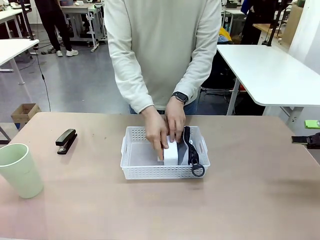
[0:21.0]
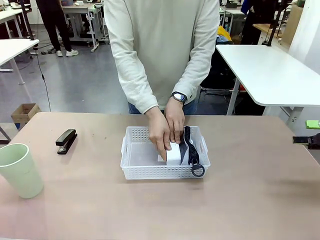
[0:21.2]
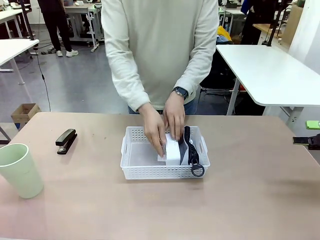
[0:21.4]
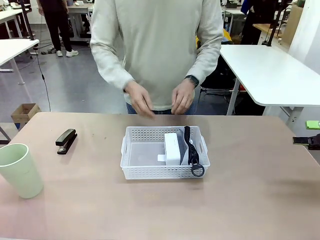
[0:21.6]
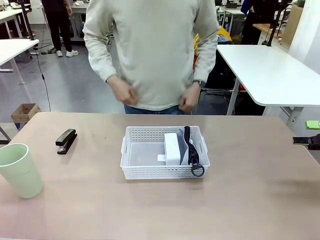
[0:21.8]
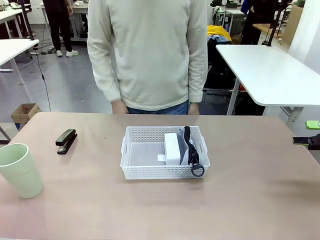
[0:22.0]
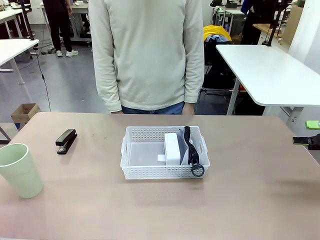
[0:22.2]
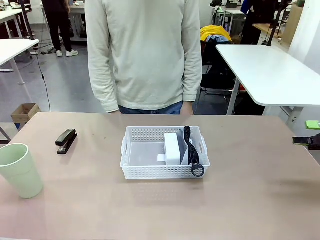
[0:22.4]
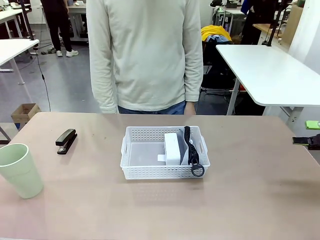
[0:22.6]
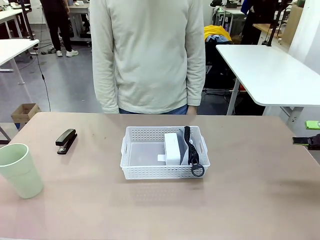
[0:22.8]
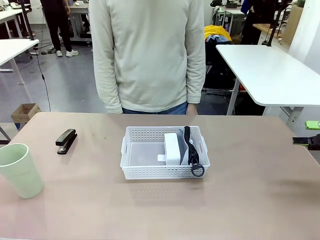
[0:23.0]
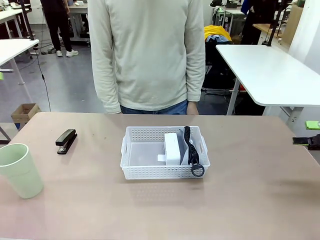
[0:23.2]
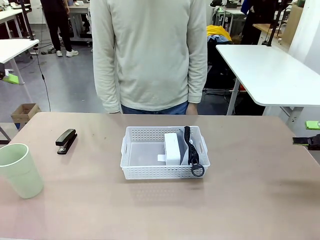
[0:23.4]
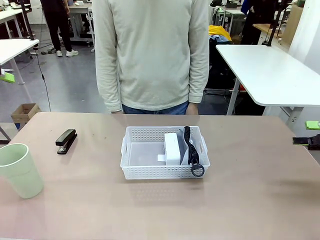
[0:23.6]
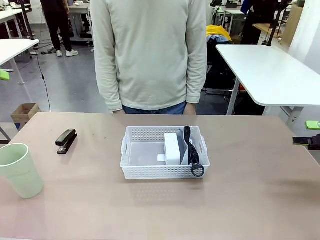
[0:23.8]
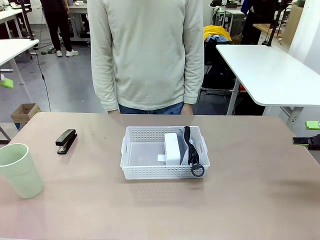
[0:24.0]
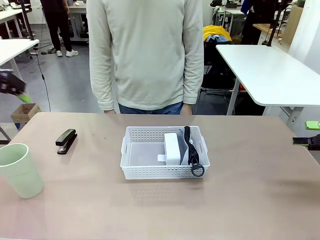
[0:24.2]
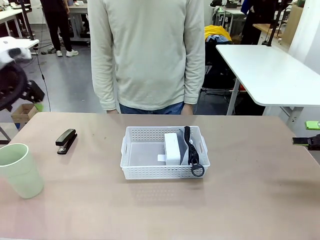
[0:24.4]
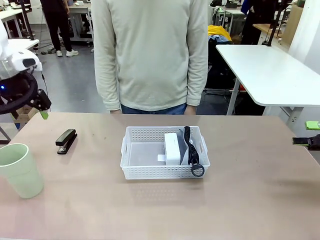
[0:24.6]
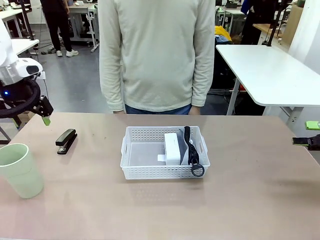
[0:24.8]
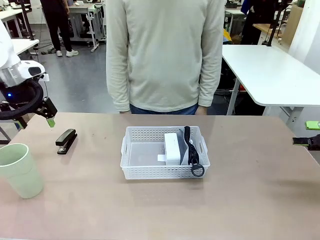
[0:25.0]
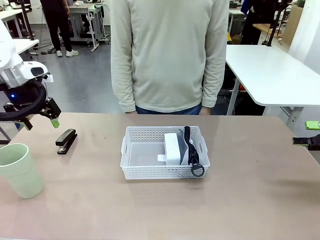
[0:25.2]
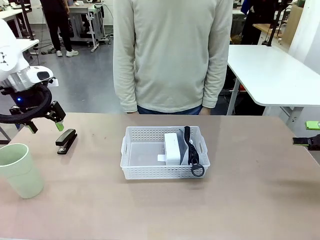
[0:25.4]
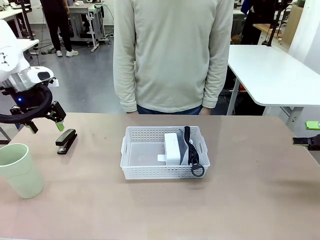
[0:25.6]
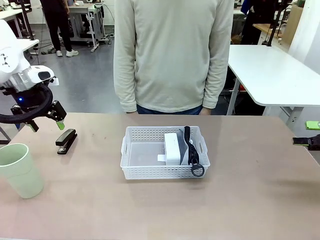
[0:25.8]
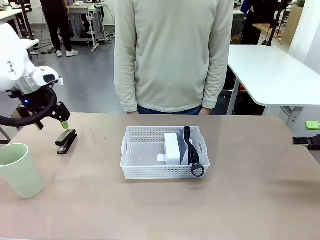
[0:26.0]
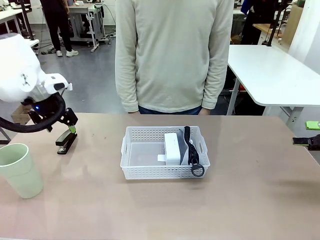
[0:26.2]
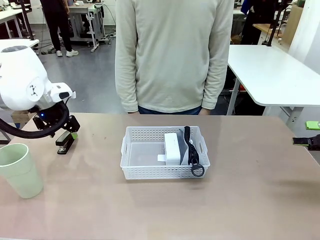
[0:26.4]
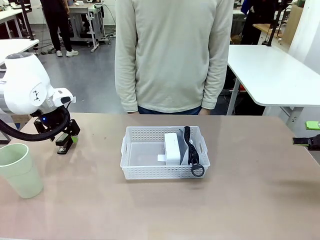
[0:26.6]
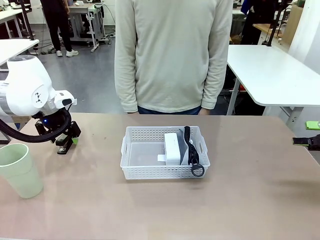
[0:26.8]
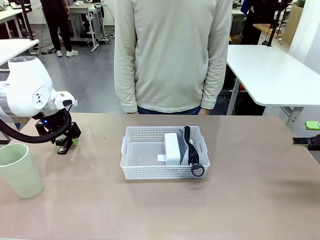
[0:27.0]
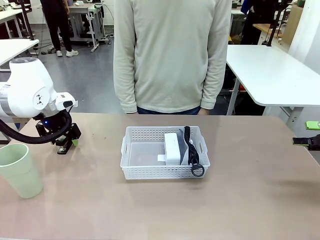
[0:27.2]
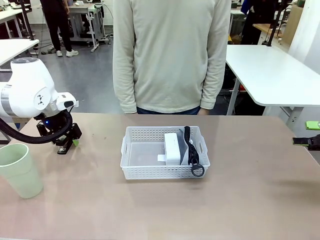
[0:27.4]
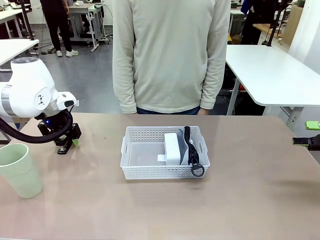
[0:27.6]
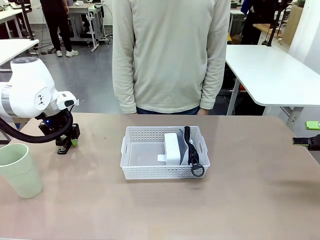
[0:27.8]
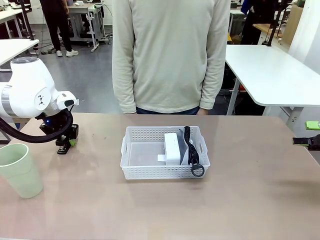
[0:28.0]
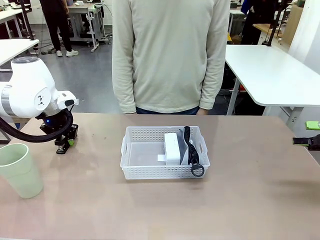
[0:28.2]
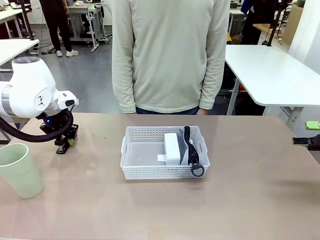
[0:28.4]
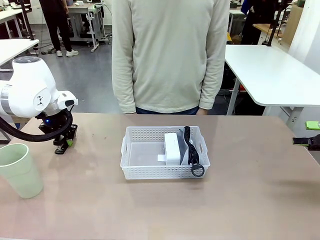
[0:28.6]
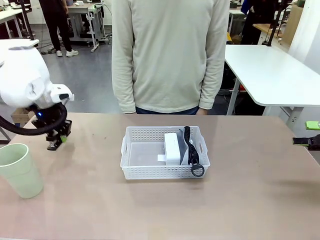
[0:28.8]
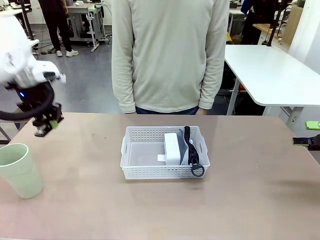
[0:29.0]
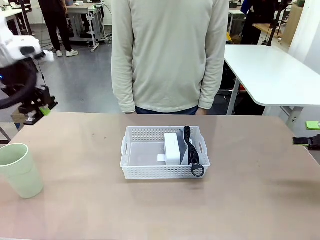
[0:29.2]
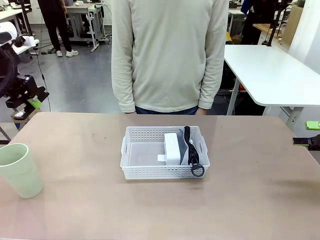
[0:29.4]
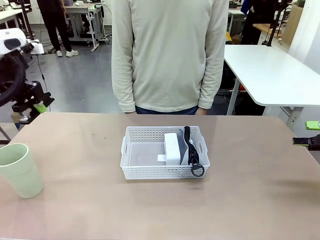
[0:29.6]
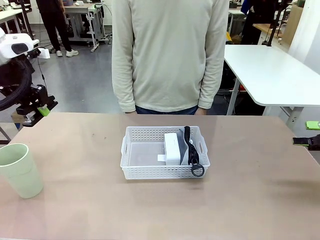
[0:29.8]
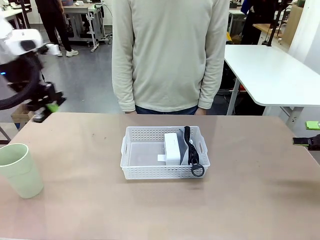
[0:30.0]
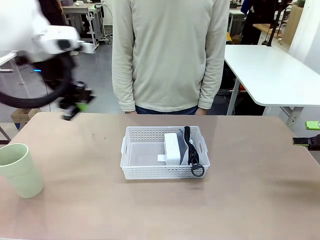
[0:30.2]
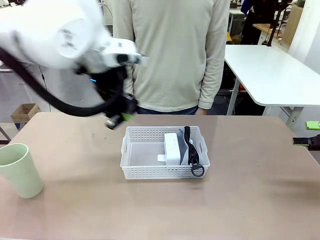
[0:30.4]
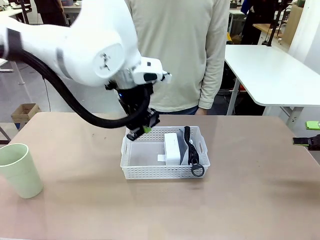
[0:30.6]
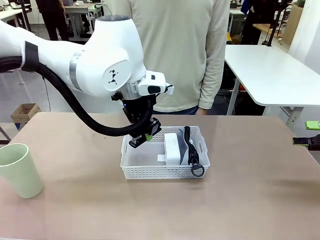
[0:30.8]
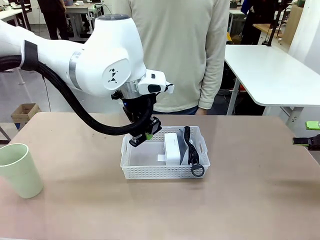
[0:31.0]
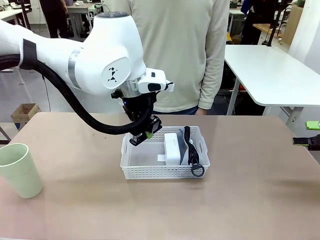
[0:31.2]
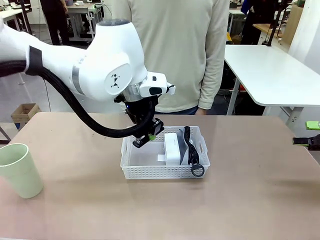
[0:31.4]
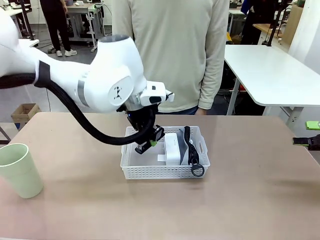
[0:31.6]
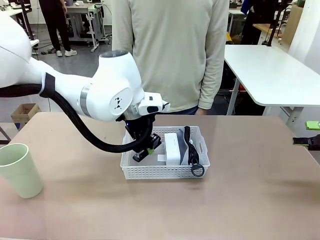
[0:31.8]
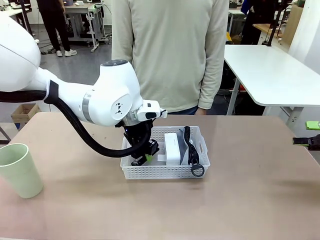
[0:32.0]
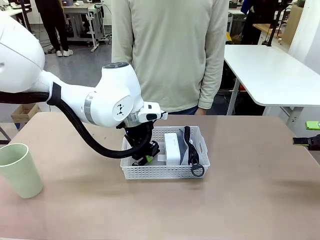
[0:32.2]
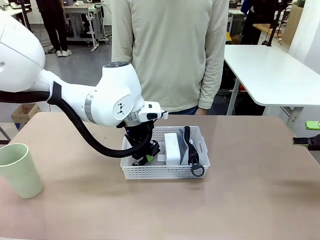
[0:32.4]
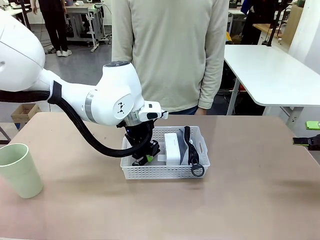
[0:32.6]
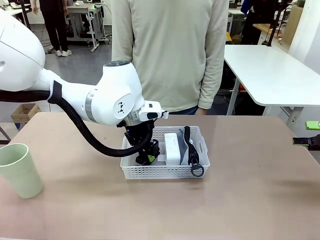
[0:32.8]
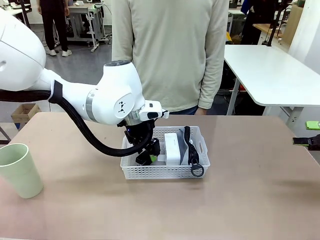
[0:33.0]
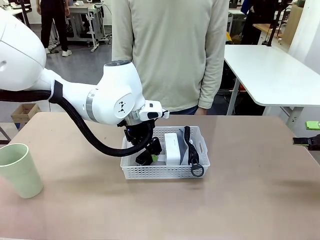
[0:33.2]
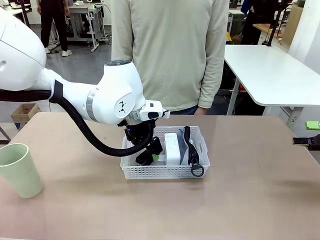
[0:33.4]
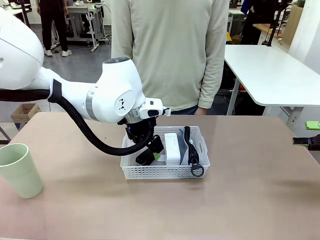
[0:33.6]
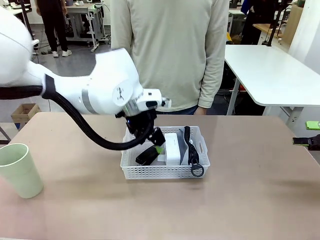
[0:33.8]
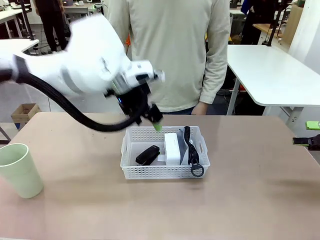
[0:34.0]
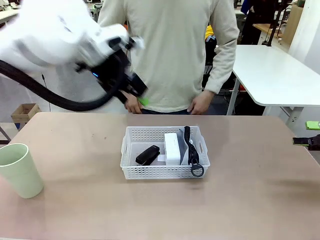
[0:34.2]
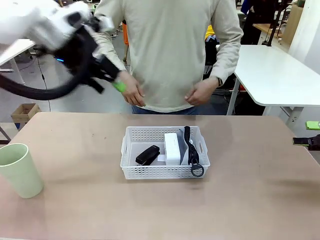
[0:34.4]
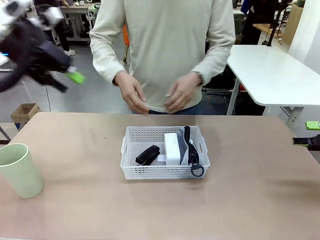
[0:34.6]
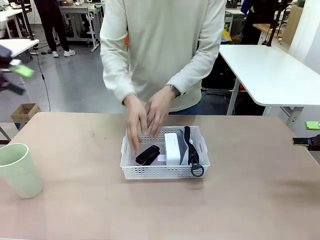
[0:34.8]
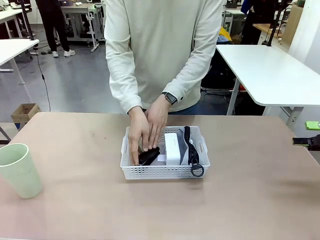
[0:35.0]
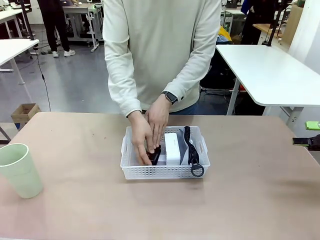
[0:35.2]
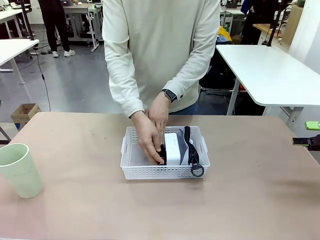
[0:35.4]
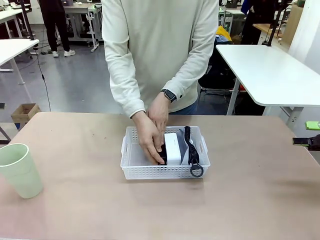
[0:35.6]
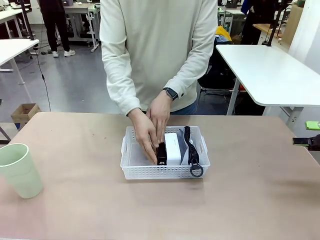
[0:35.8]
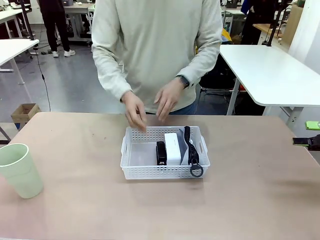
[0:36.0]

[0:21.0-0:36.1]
Task: Efficiently arrange items inside the basket to fit them all.
Robot: Pick up the Stapler and place it inside the Organizing basket.

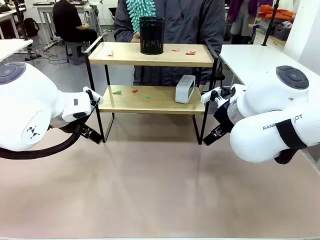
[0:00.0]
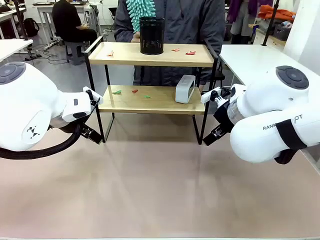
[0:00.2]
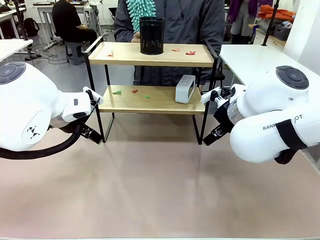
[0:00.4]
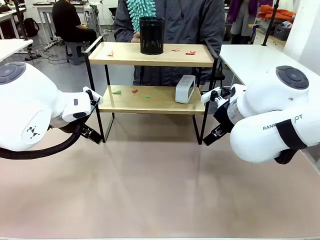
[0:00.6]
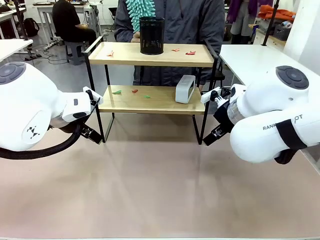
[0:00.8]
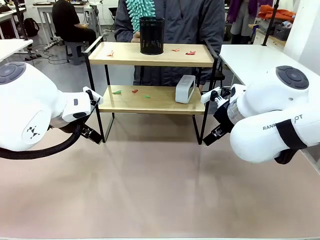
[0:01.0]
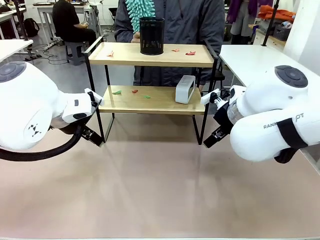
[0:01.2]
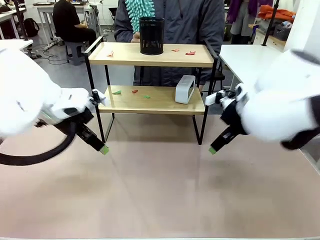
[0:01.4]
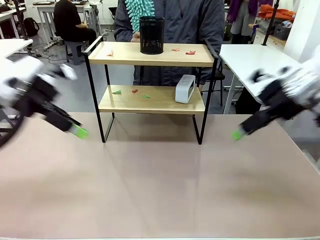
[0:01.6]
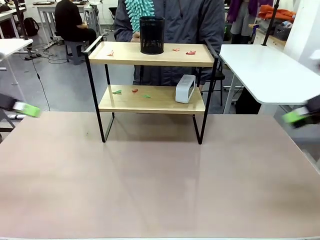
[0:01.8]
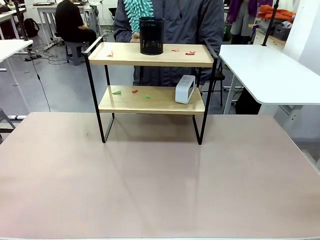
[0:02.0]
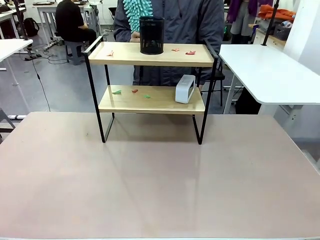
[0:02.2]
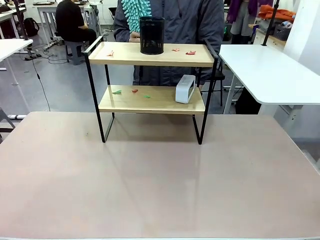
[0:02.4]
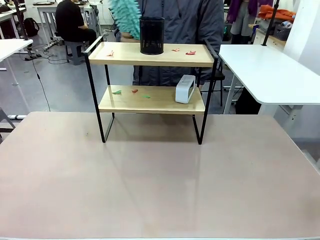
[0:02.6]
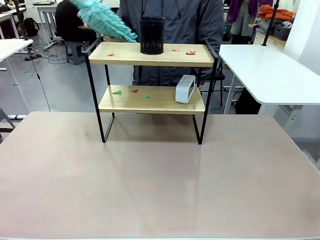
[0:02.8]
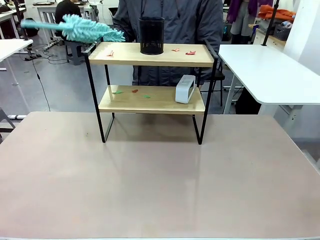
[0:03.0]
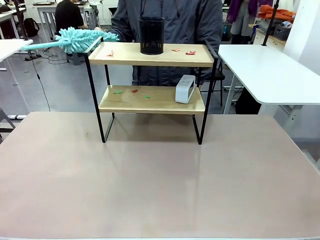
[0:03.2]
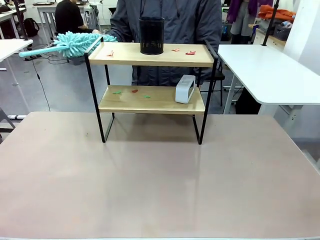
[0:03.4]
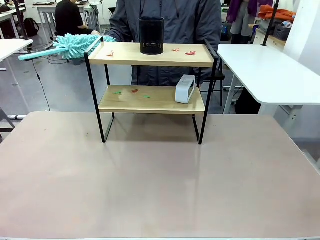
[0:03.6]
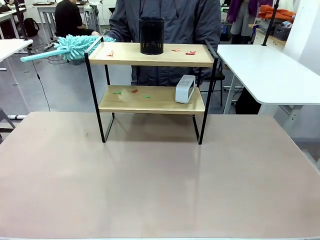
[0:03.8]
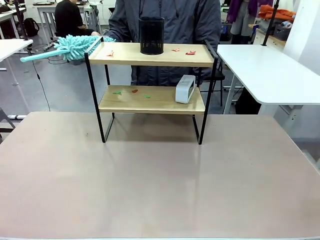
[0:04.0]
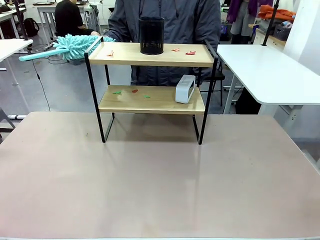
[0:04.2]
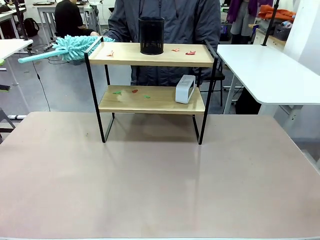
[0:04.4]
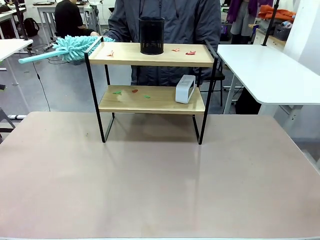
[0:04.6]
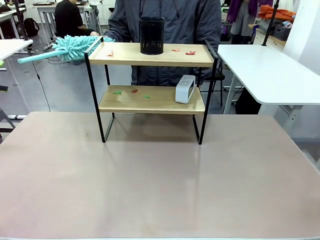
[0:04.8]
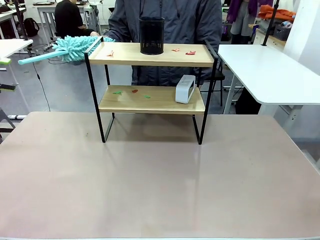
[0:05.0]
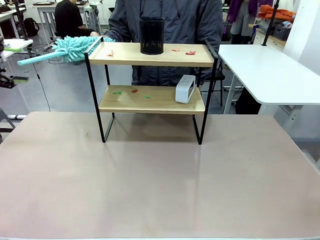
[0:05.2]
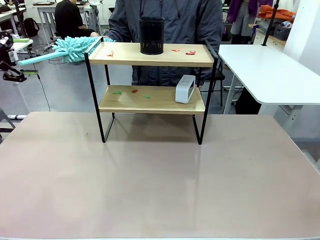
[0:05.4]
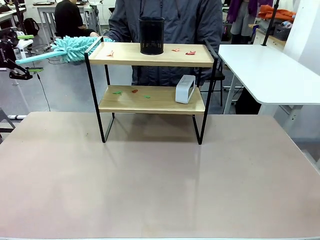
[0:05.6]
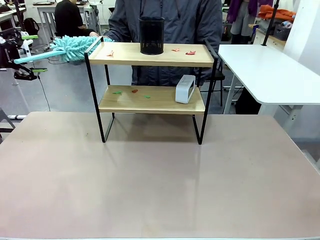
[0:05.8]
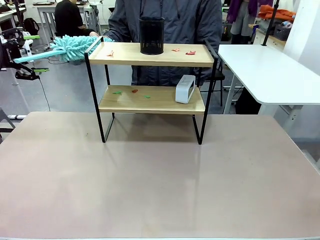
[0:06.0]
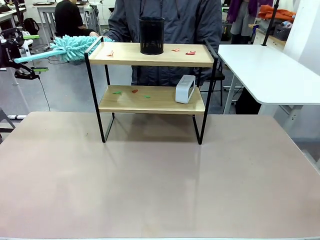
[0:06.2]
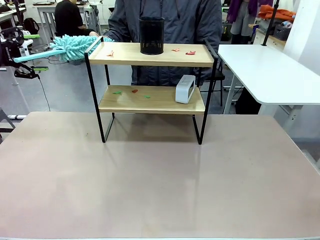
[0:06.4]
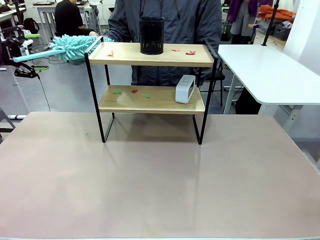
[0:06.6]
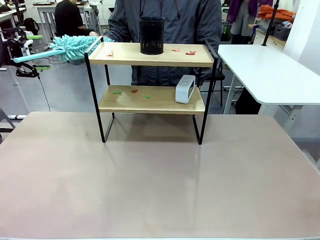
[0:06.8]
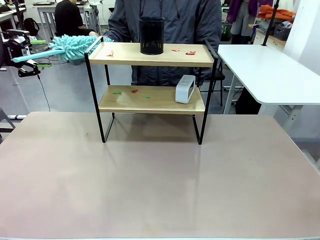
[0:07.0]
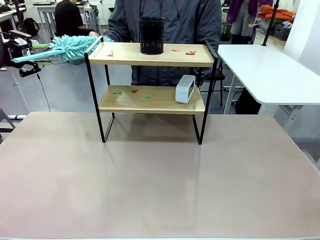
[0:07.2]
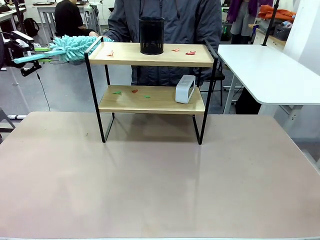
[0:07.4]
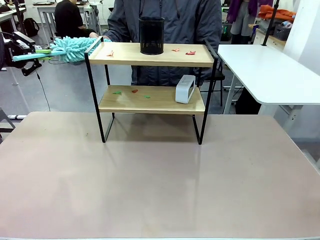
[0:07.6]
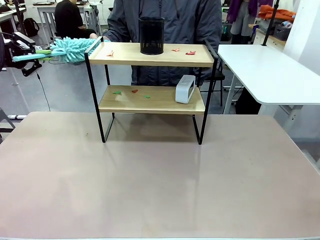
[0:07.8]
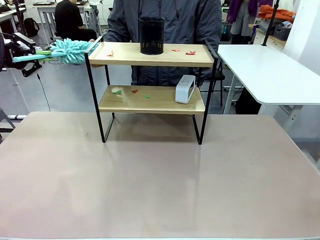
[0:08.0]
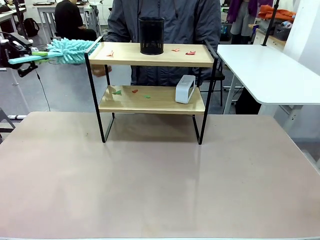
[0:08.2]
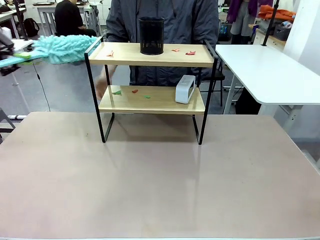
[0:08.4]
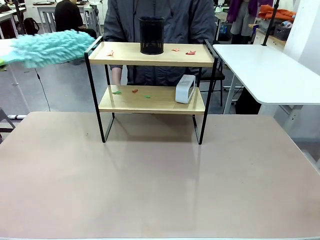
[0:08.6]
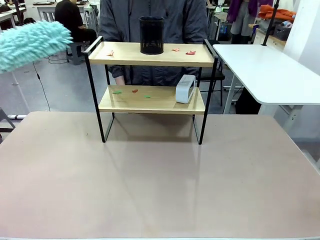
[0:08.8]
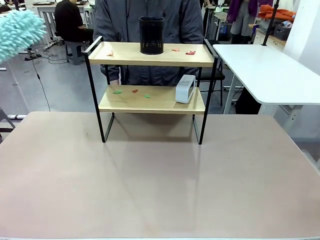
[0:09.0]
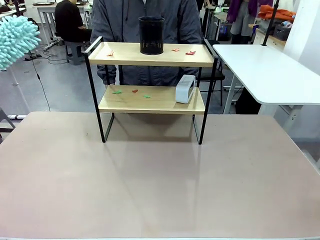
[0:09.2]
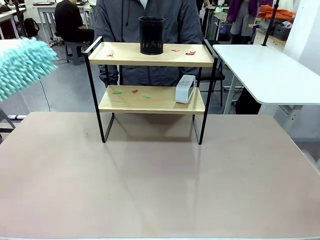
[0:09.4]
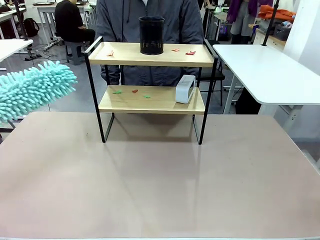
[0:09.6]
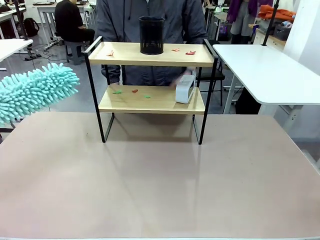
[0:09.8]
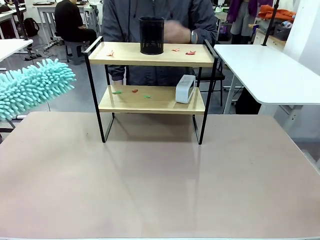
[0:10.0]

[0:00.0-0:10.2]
Task: Clean the shelf.
Robot: Pick up the Duster from the human.
Person: Hand the Duster to the robot.
